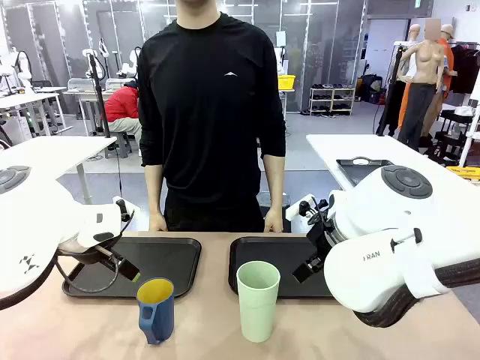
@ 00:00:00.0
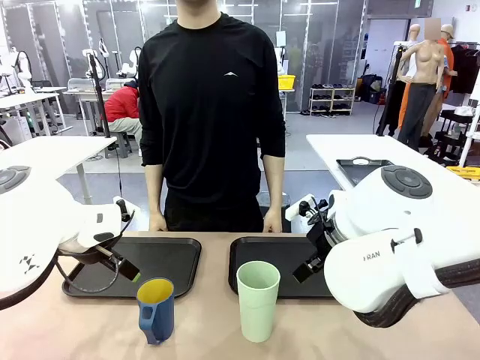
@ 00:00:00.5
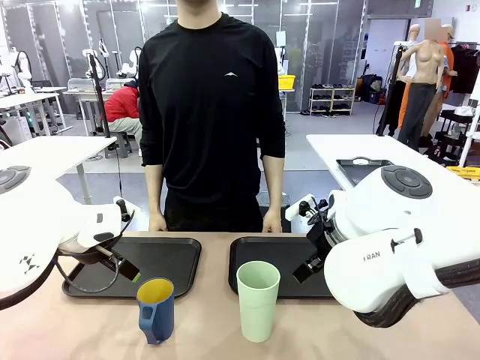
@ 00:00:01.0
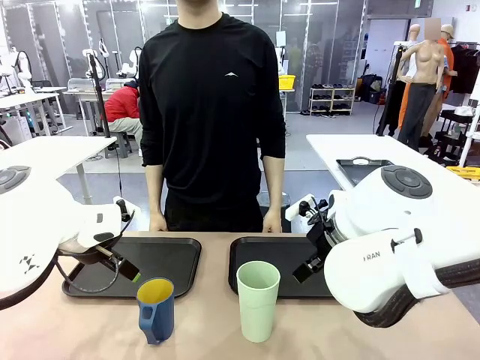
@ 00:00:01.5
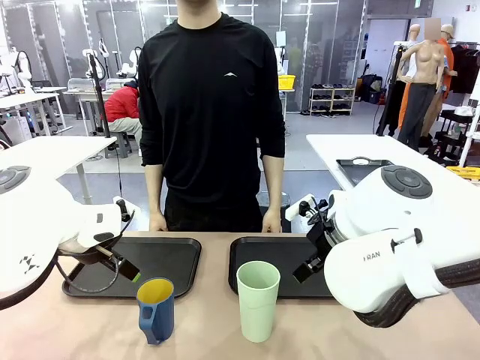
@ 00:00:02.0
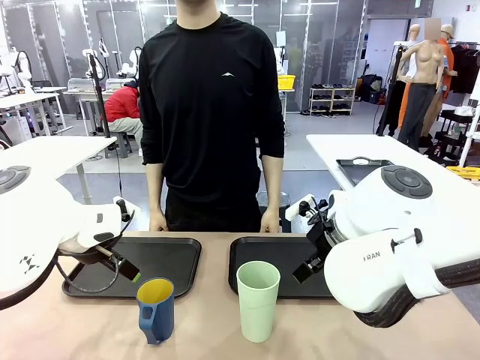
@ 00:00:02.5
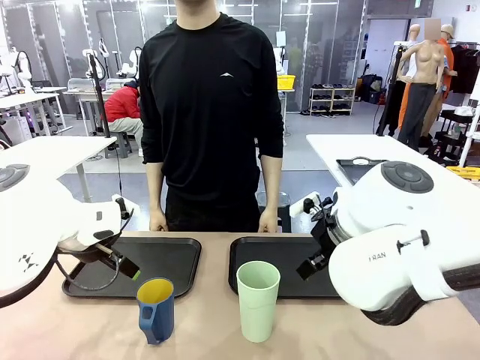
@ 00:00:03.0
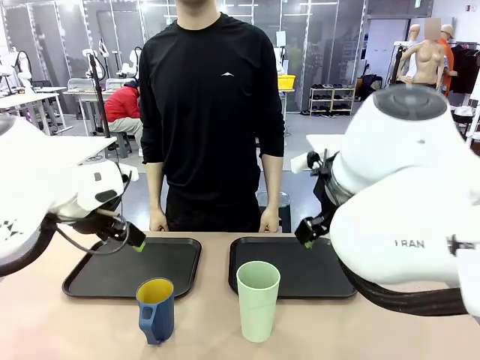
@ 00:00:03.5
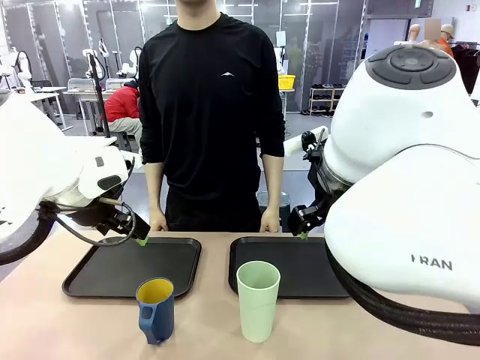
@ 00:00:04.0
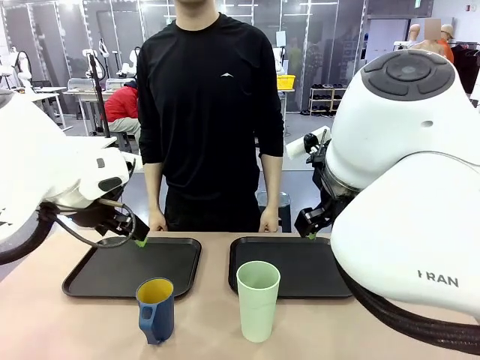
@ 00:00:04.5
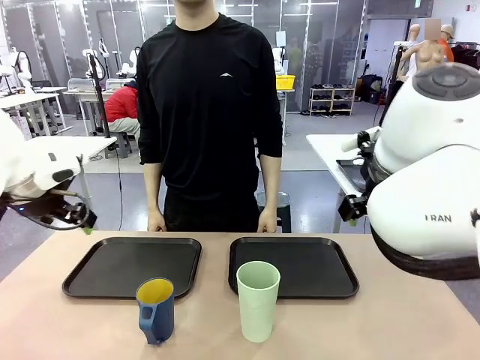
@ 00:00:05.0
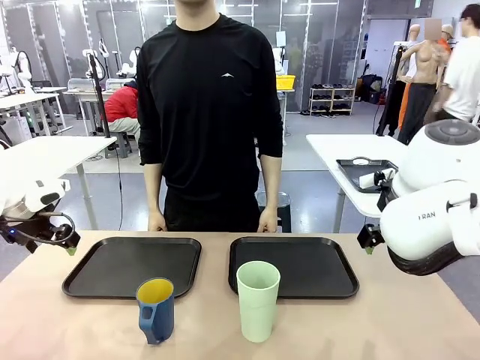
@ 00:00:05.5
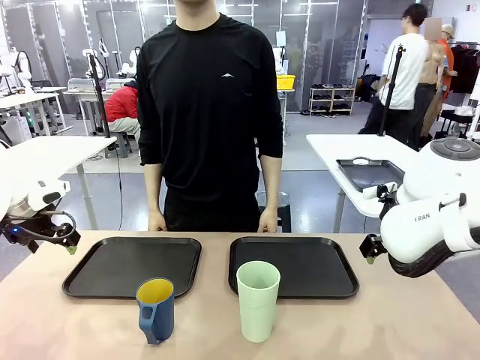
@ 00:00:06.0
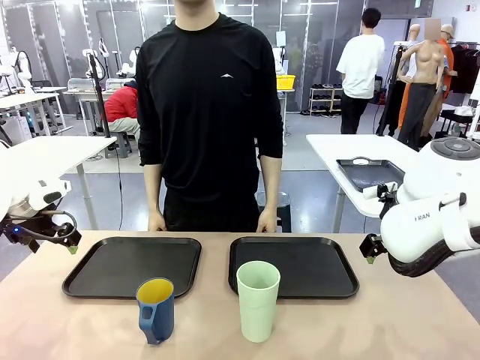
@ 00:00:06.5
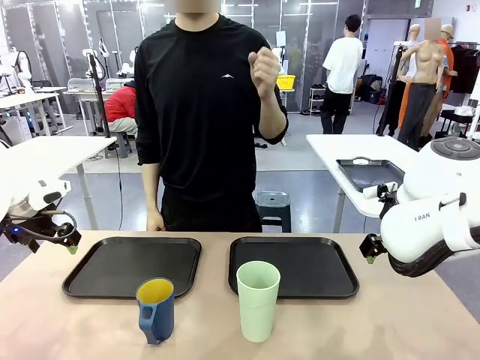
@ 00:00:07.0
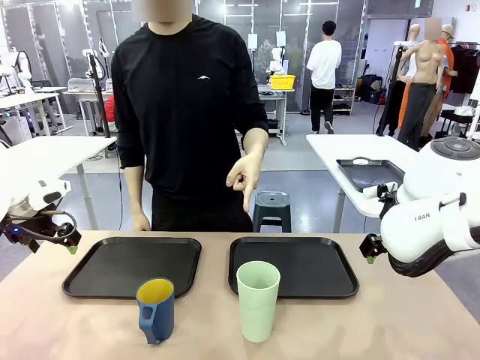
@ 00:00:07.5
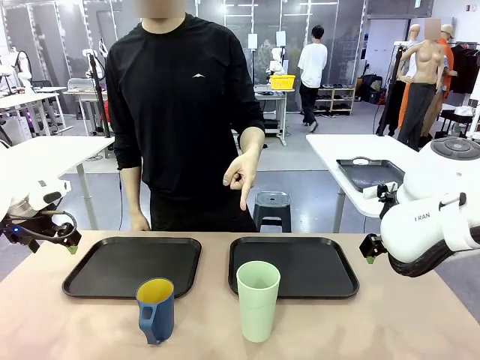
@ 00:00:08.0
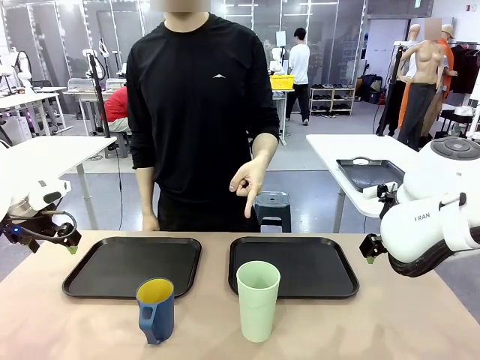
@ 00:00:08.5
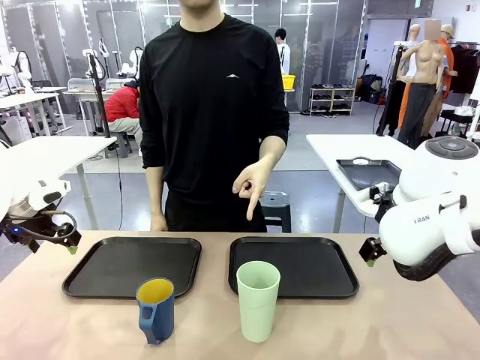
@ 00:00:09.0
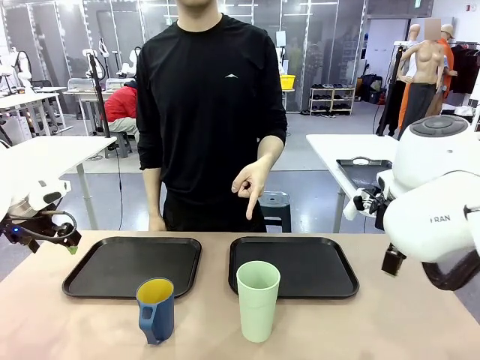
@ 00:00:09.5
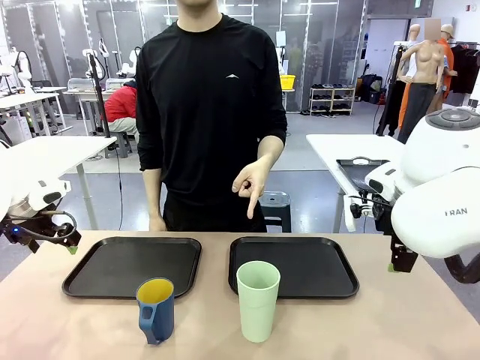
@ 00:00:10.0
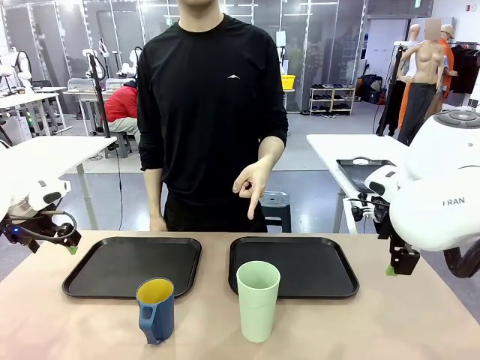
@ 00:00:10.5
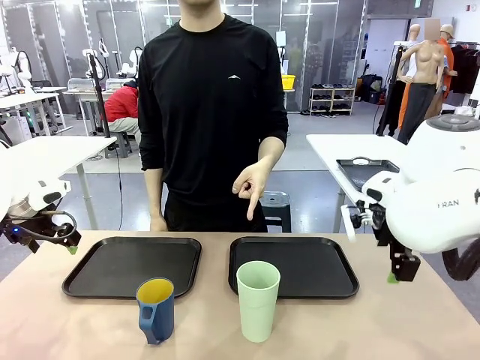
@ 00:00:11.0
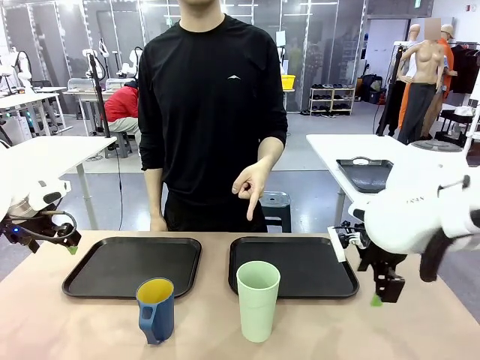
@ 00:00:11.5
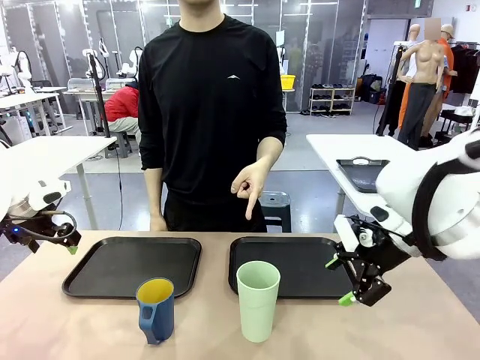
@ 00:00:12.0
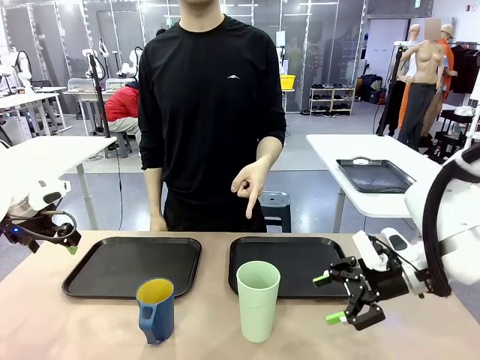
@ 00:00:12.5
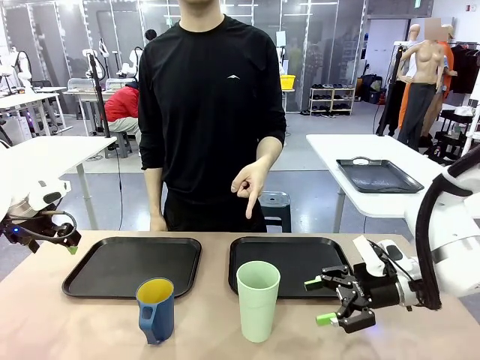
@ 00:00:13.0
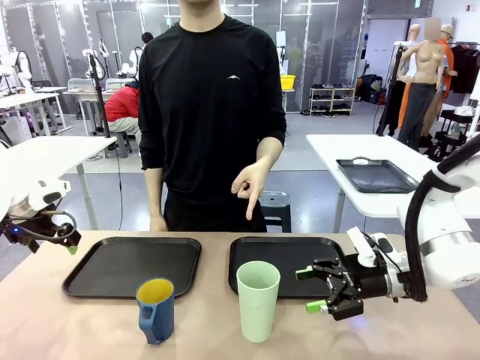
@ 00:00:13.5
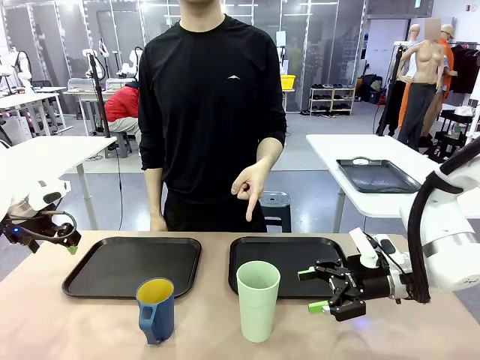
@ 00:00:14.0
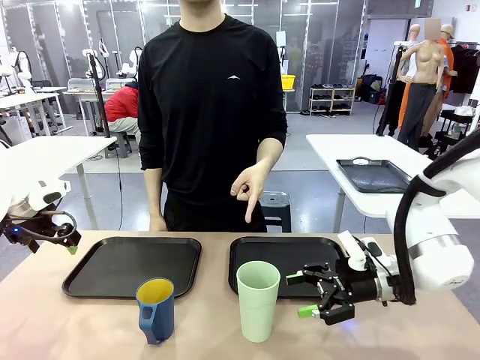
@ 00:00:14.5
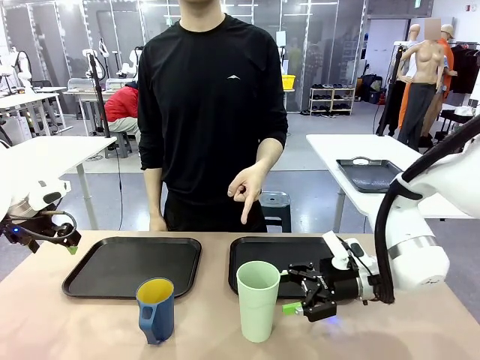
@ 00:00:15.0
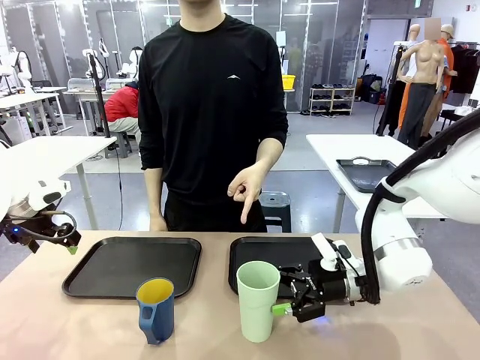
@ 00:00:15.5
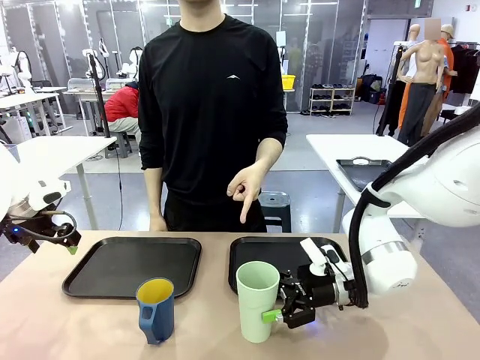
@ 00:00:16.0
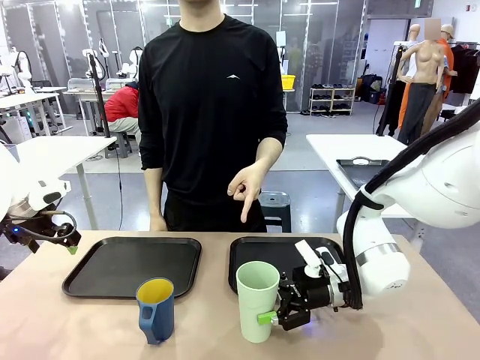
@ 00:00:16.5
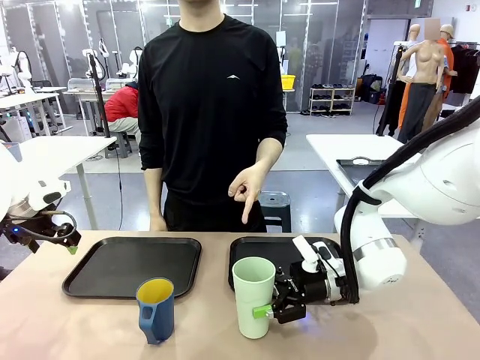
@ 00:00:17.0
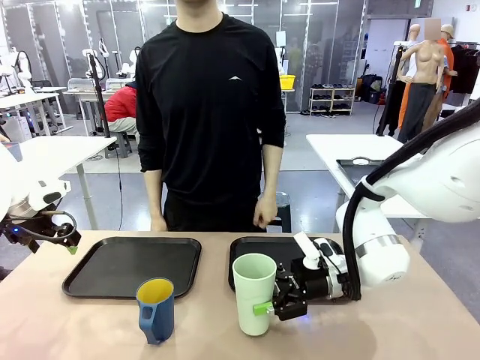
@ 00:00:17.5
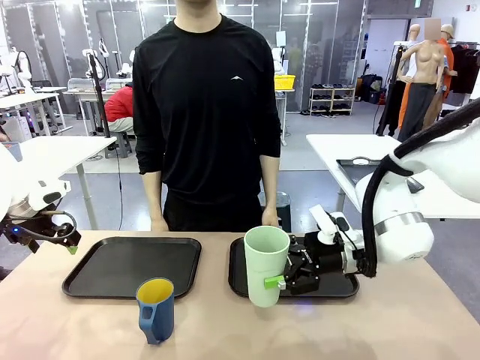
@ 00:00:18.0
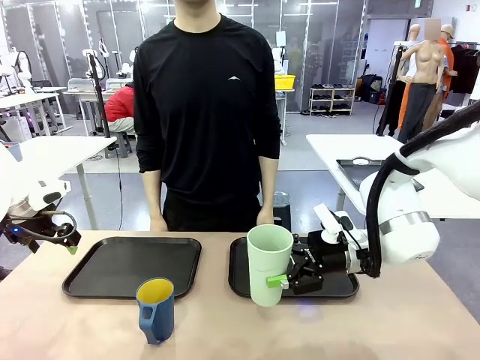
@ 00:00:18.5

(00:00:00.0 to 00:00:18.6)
Task: Sort and store the cups by type.
Robot: Pick up the Reusable plastic cup.
Person: Points to the reusable cup. Point to one of the two trays.

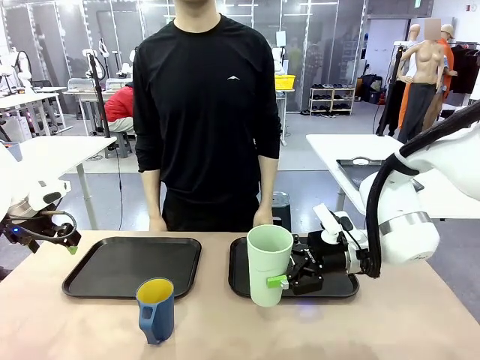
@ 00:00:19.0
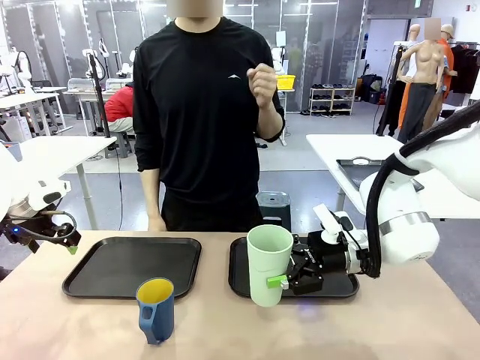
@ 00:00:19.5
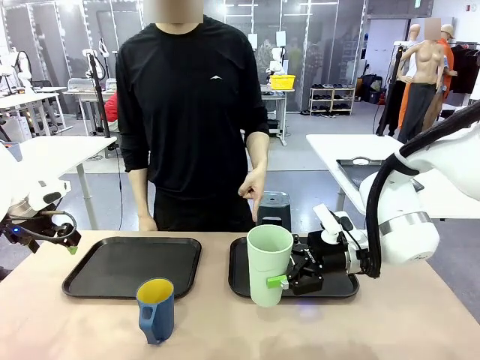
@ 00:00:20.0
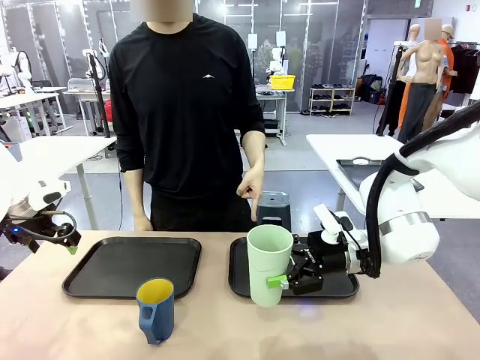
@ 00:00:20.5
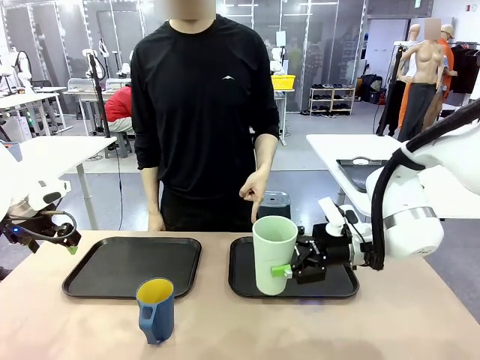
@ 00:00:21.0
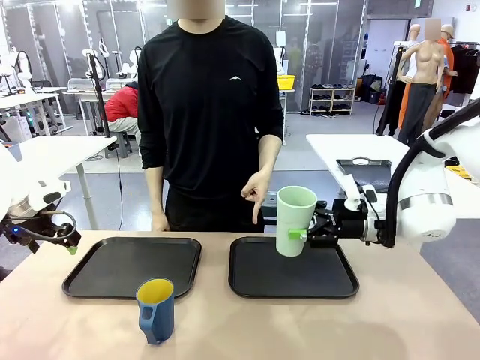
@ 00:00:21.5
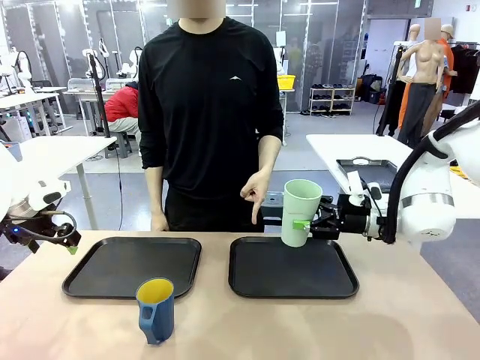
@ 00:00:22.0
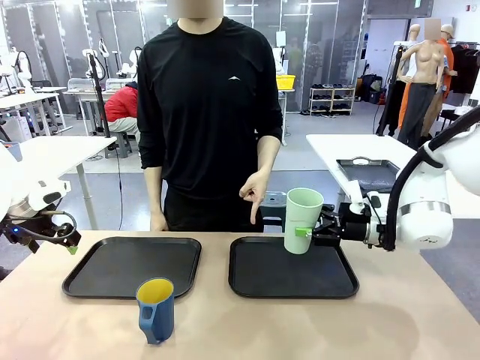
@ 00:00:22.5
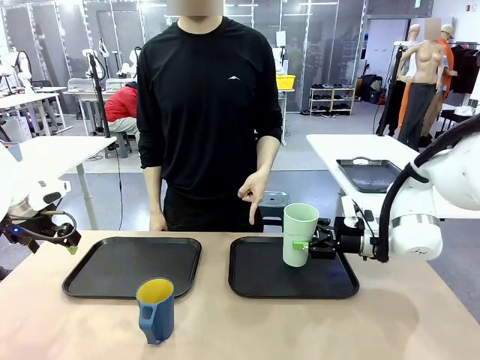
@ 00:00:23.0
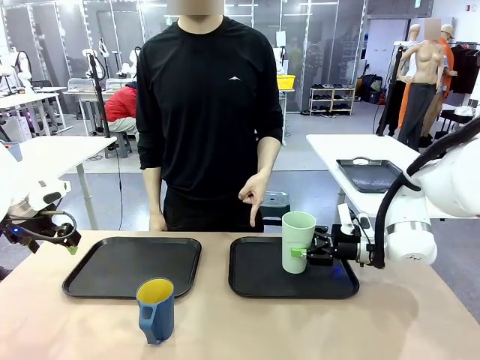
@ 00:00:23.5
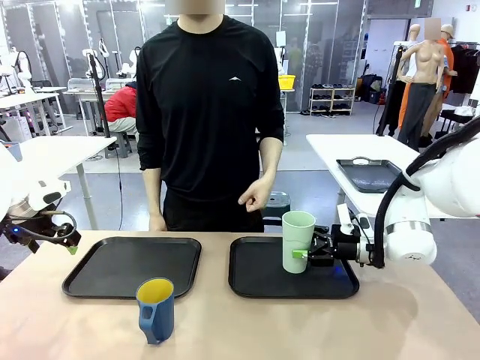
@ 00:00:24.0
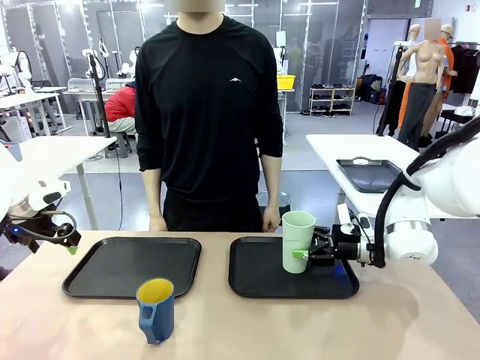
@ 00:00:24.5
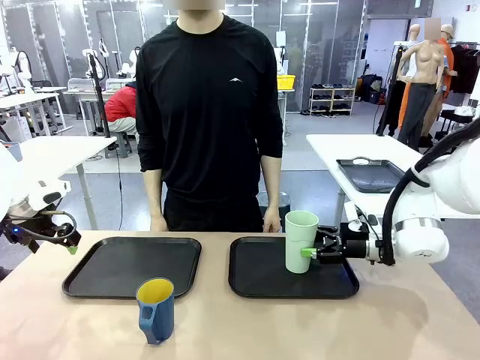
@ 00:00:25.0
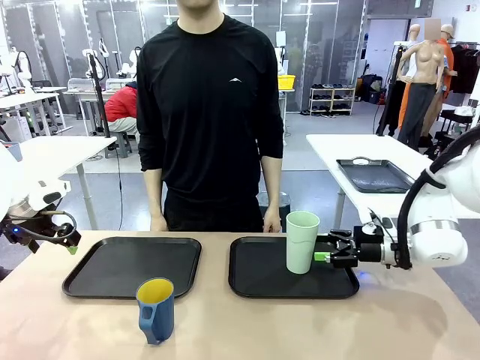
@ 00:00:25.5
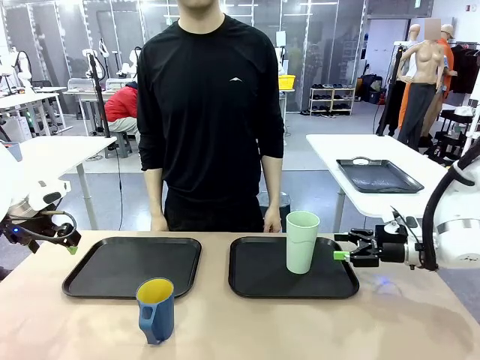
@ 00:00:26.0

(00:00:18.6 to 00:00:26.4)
Robot: Place the picked Reusable plastic cup into the Flat Tray indicated by the person.
